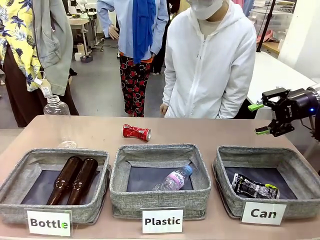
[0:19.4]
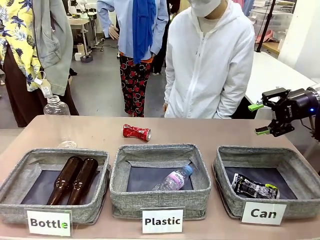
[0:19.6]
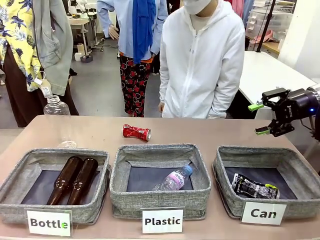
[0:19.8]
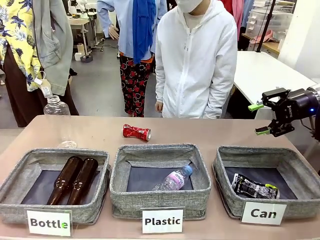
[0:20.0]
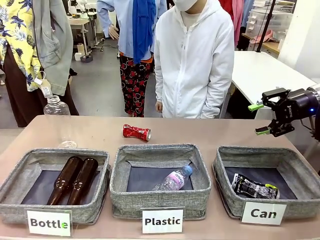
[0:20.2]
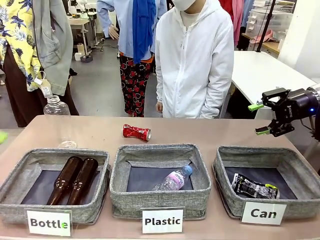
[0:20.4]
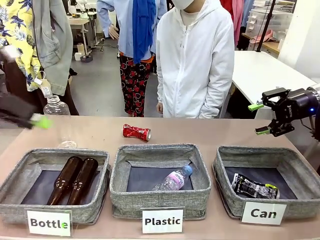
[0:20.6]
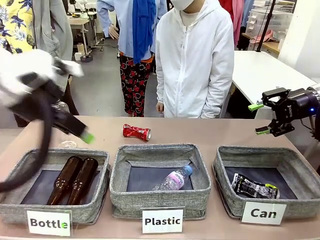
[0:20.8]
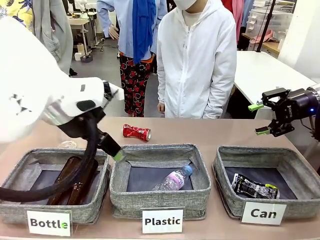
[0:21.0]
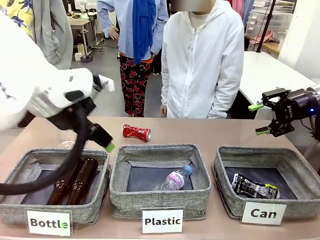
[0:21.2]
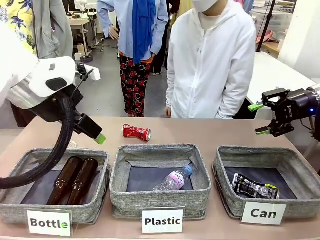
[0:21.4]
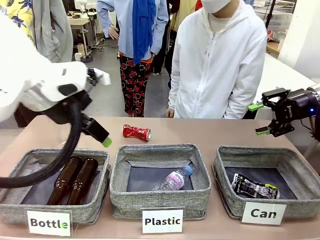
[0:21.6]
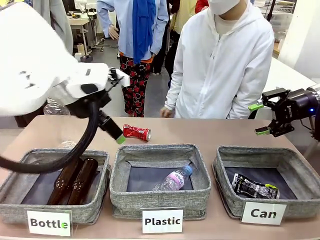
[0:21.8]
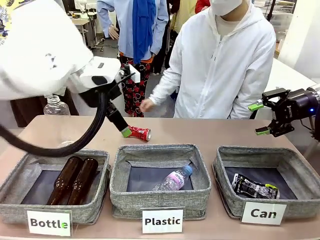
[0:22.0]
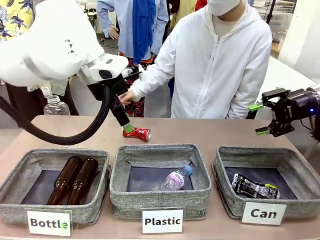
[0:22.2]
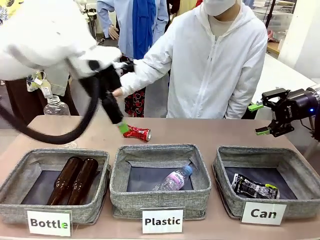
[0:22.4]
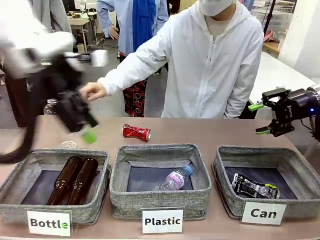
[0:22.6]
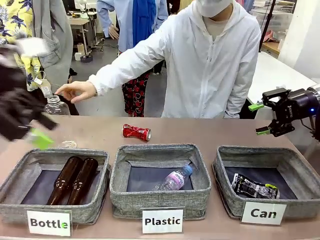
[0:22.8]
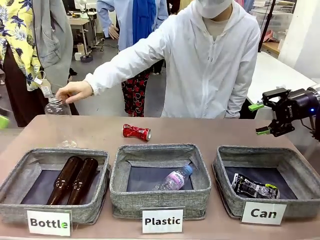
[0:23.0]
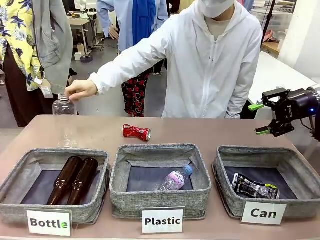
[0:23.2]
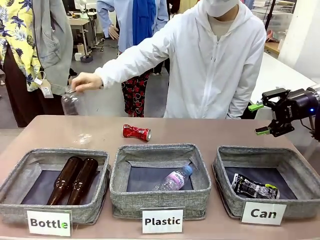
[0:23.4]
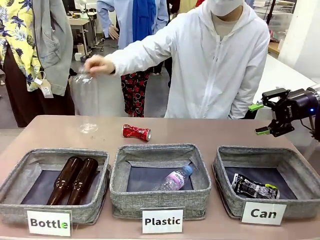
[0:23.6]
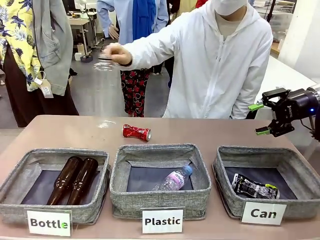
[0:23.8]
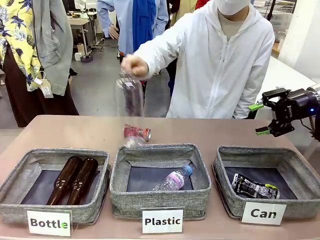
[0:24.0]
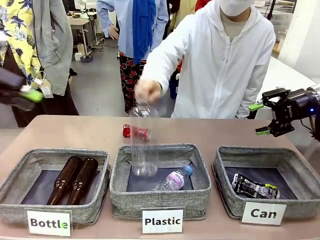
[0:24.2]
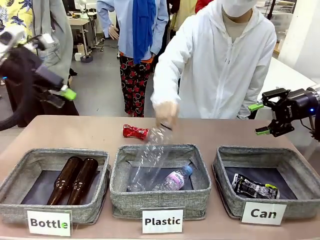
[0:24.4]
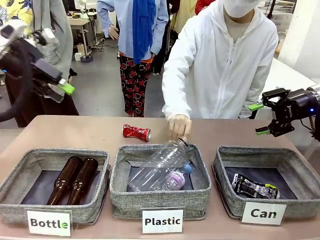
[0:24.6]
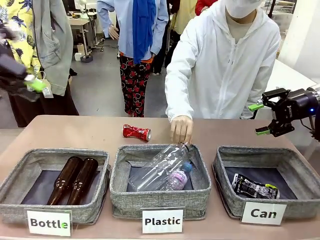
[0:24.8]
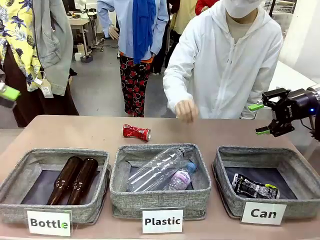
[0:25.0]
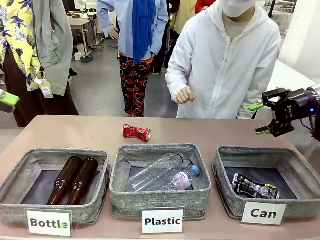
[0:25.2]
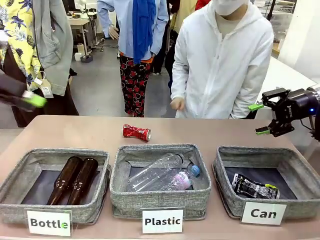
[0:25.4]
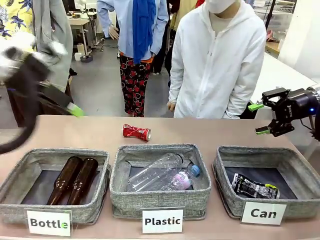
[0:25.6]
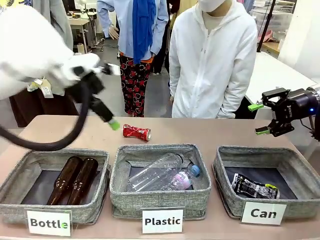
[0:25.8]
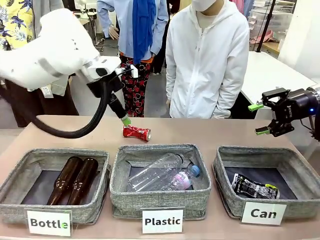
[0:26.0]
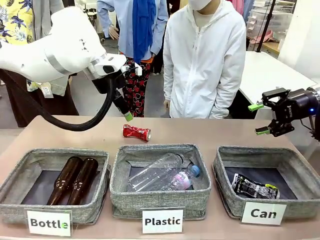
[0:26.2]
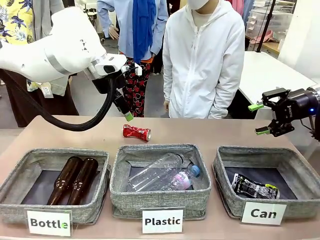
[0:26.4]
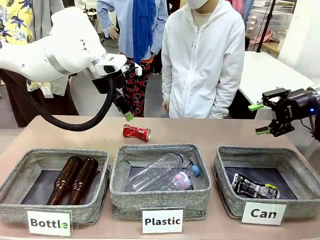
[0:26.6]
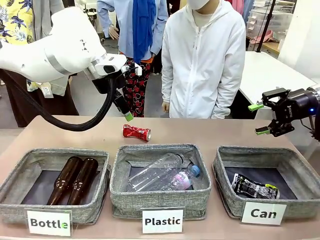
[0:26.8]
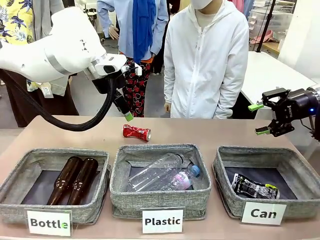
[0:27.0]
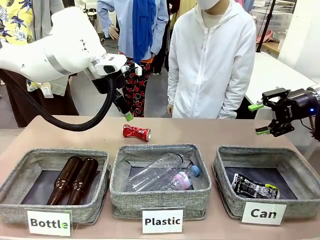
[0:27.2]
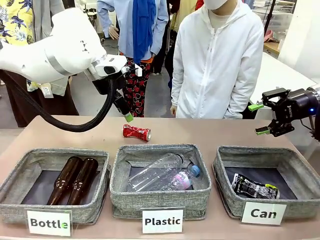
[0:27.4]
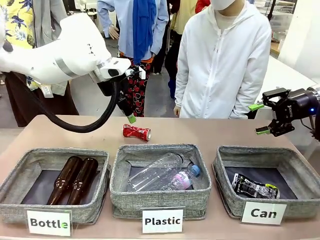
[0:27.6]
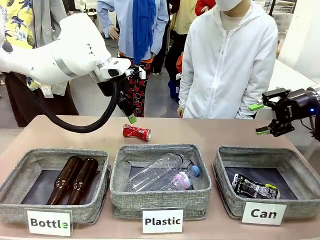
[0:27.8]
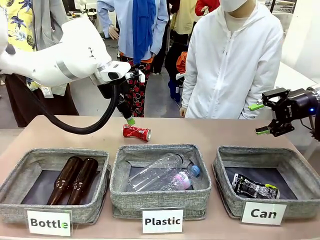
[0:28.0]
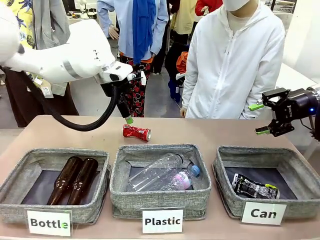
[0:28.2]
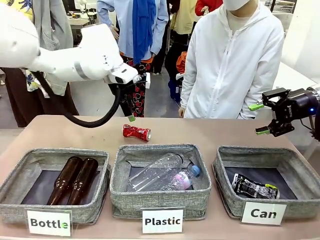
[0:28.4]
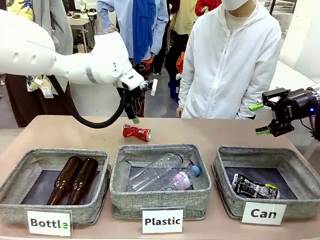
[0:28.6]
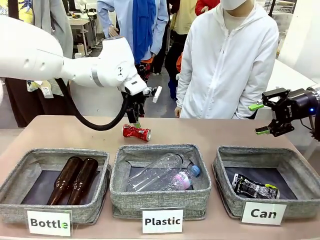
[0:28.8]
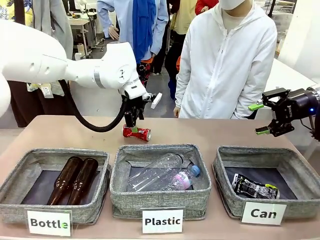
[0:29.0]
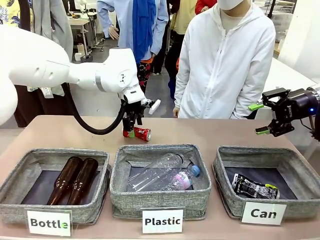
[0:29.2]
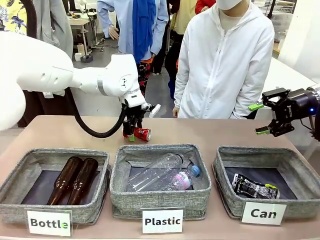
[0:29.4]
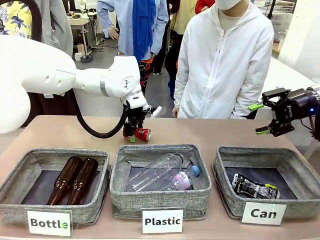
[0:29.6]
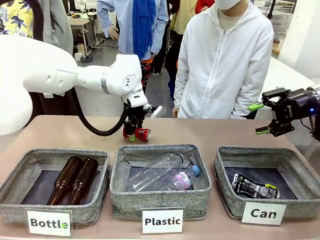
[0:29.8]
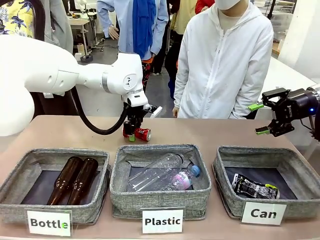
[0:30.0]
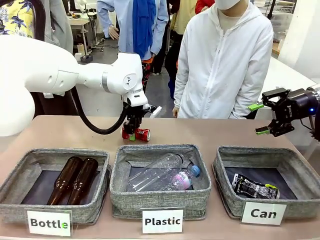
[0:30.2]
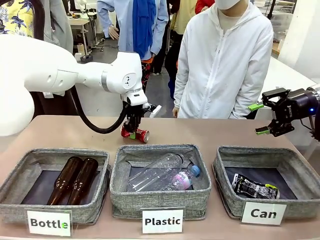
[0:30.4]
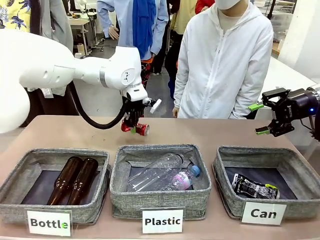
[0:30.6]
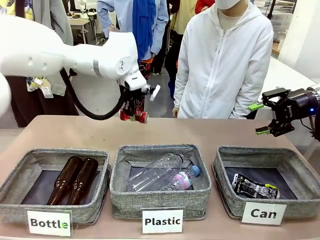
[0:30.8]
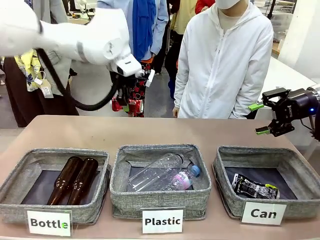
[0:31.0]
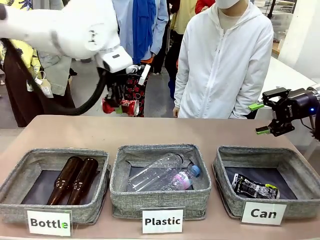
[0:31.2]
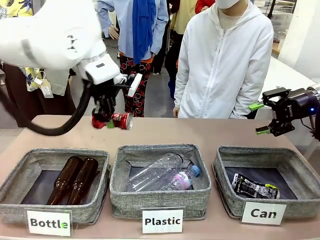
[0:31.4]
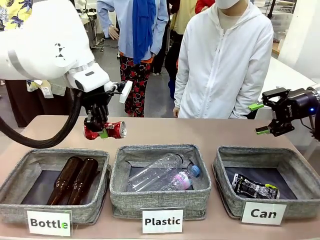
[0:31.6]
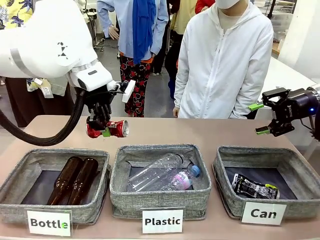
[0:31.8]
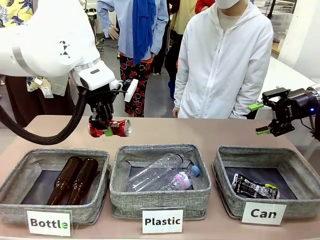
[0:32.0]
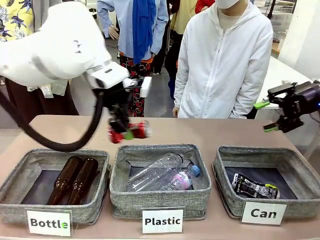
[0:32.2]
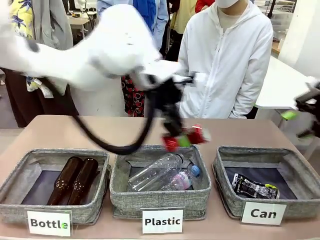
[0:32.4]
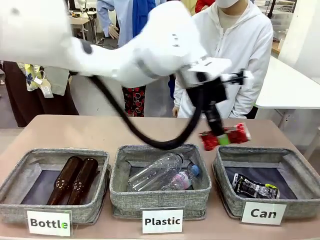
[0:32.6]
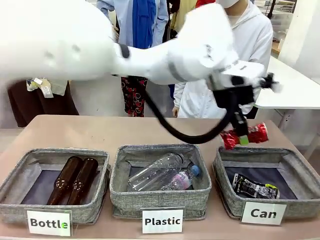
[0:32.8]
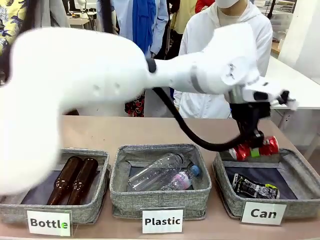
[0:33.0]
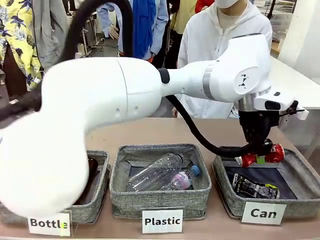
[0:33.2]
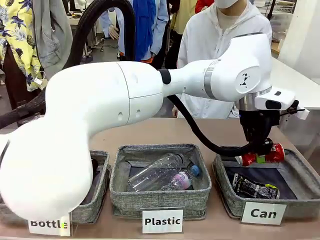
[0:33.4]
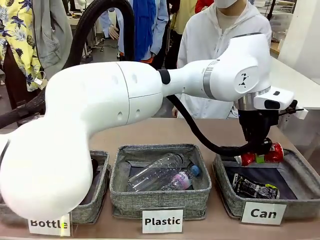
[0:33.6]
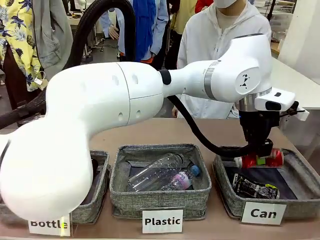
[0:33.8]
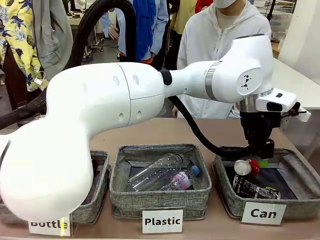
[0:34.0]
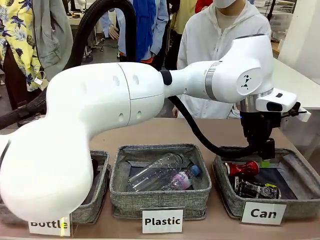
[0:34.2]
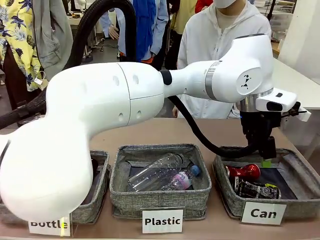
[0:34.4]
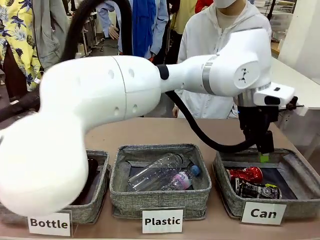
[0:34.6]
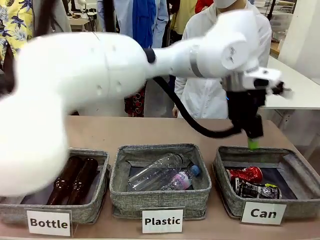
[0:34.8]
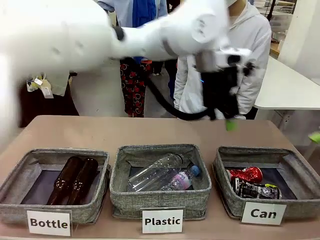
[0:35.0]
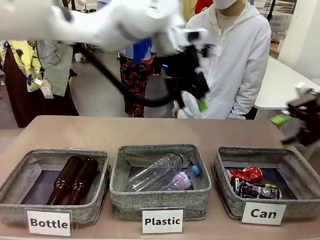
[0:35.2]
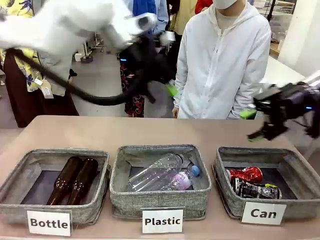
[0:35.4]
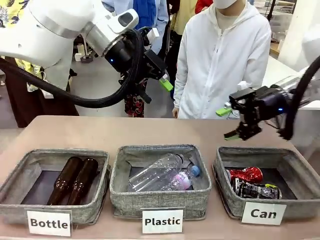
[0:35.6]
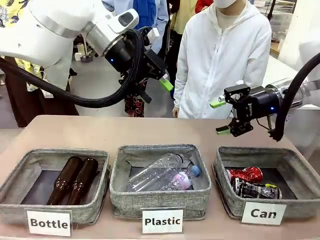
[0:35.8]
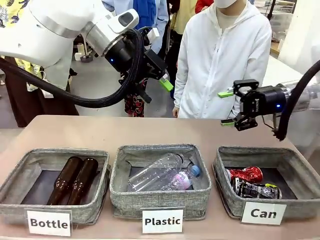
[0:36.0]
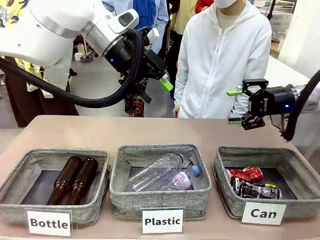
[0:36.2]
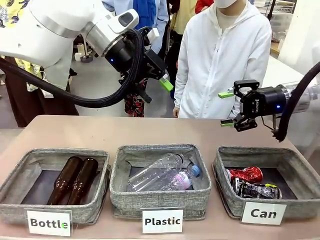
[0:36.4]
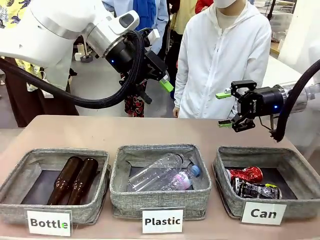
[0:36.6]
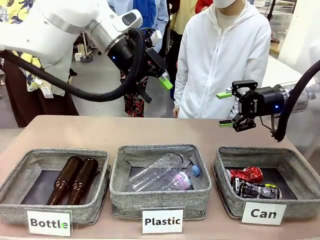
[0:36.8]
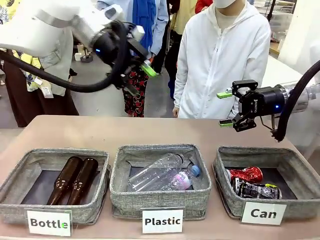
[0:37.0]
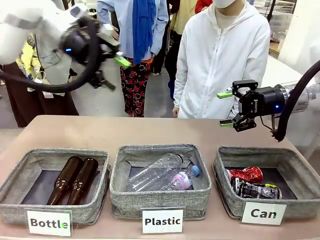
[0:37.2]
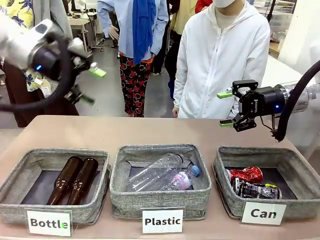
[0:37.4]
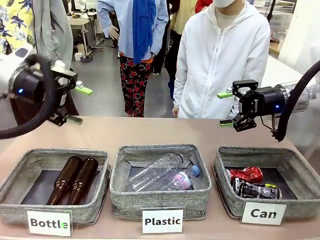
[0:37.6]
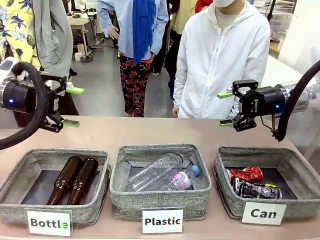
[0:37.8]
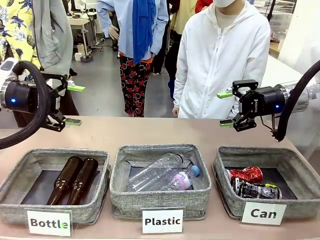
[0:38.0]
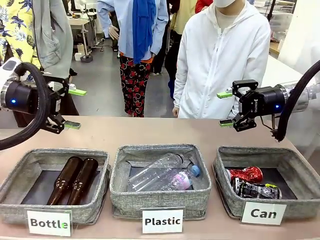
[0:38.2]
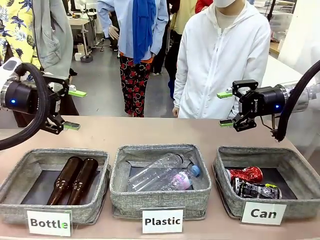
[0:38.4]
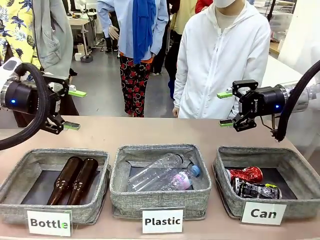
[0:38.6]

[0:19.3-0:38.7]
Task: Sort the can waste into the basket.
Robot: Pick up the can waste from the table and place it in the right Fabric basket.
Person: The human picks up one piece of trash that is not a can and places the trash into the appropriate organizing basket.
